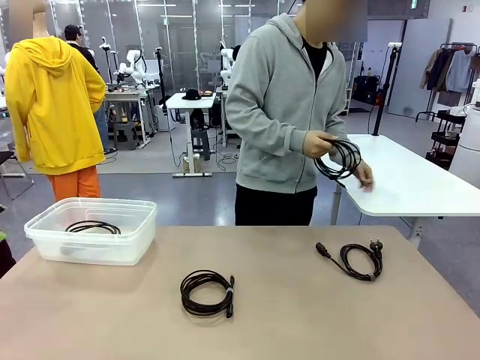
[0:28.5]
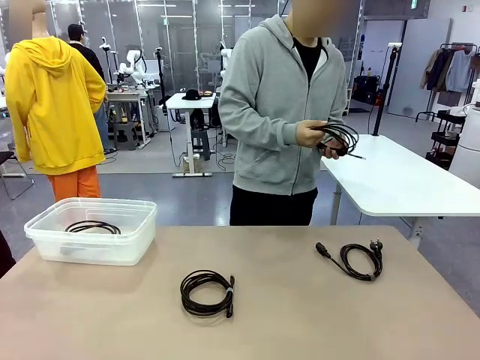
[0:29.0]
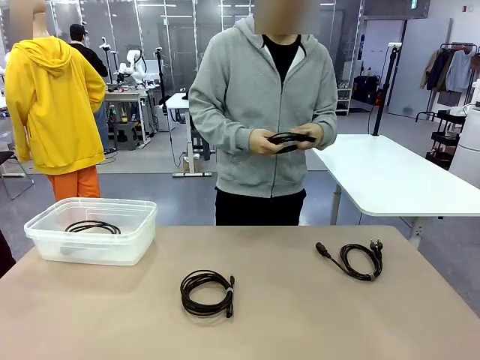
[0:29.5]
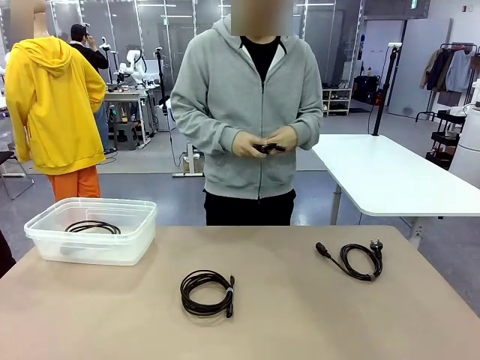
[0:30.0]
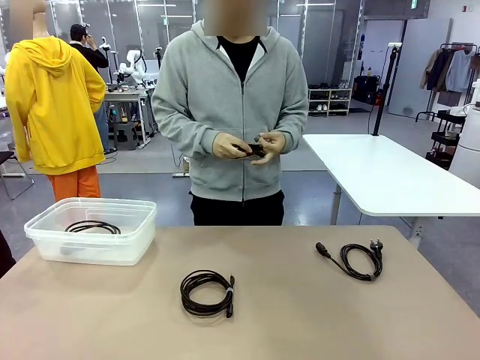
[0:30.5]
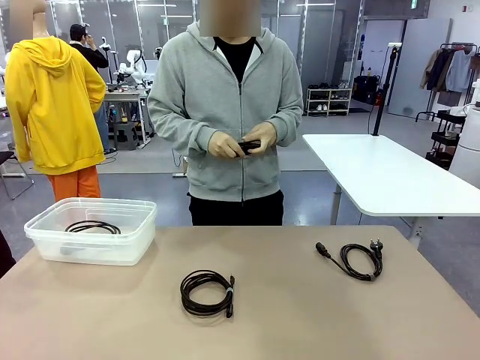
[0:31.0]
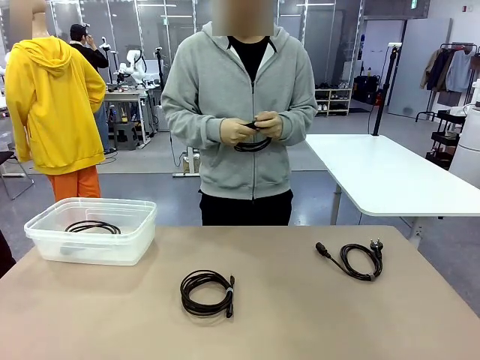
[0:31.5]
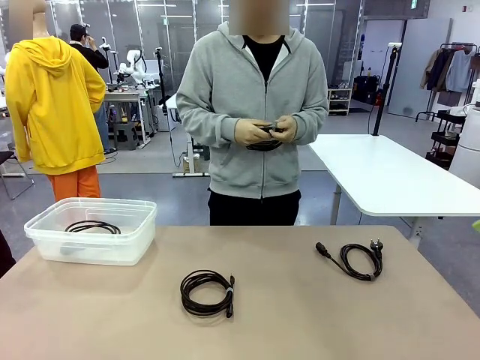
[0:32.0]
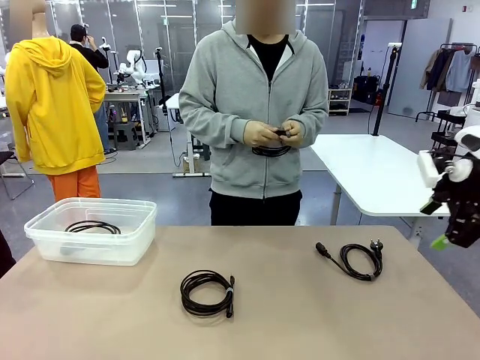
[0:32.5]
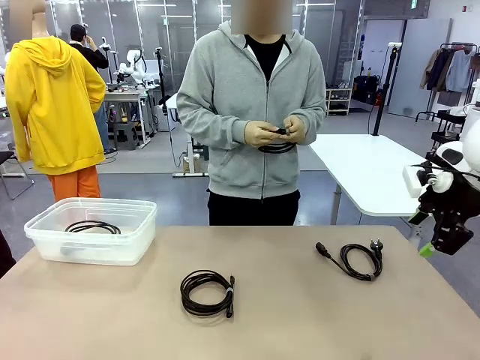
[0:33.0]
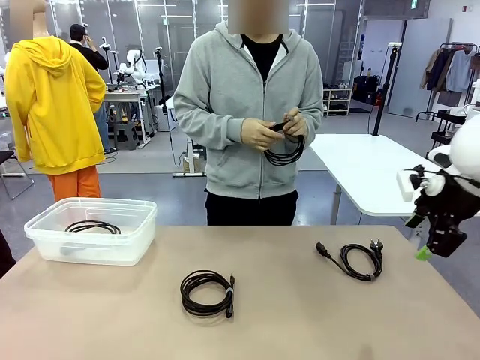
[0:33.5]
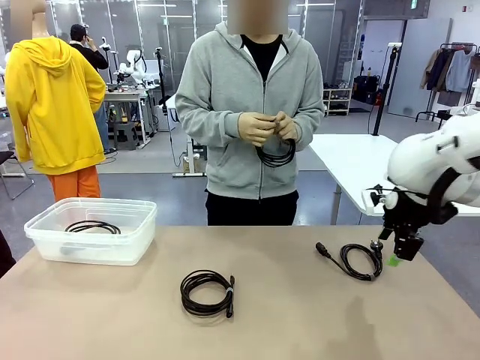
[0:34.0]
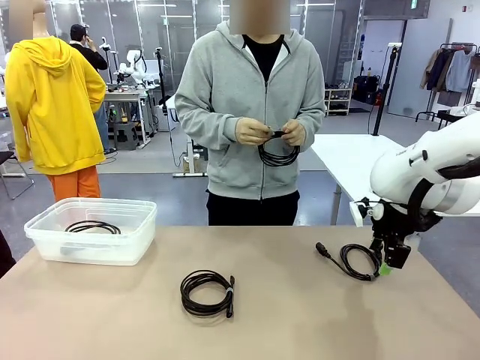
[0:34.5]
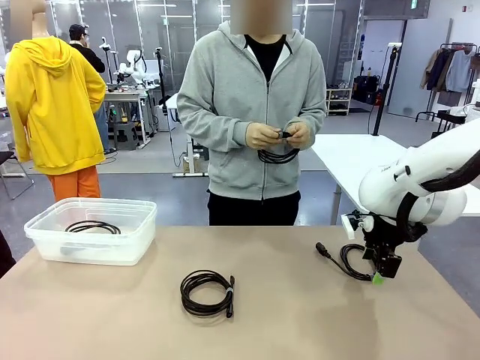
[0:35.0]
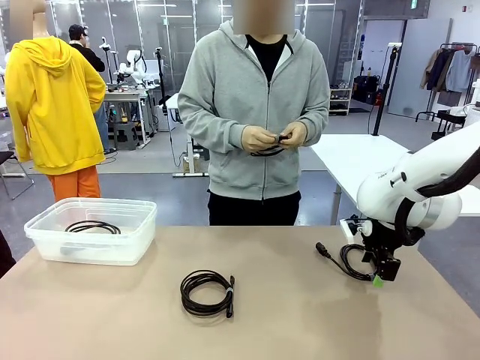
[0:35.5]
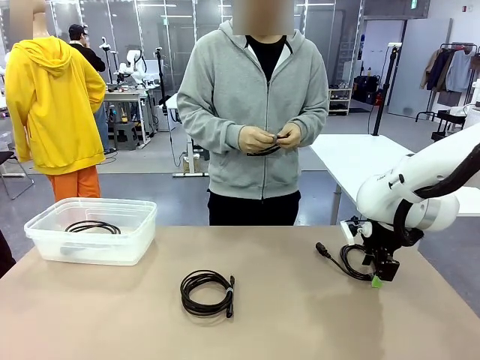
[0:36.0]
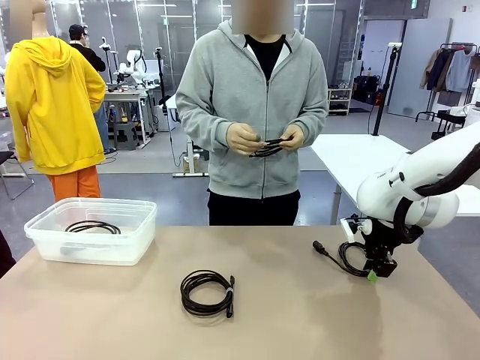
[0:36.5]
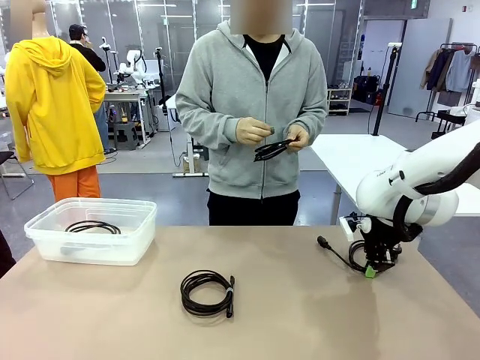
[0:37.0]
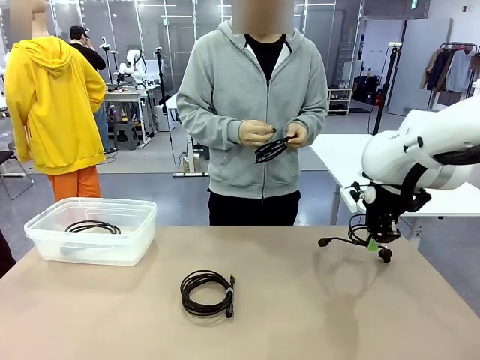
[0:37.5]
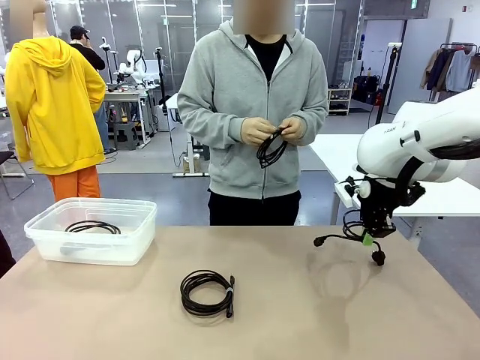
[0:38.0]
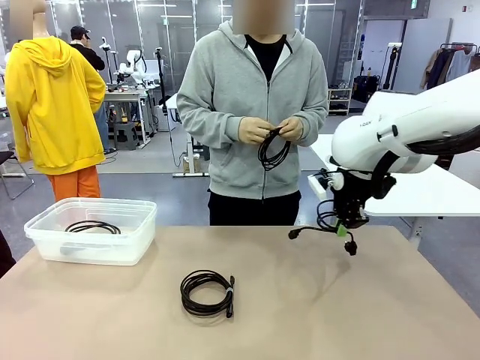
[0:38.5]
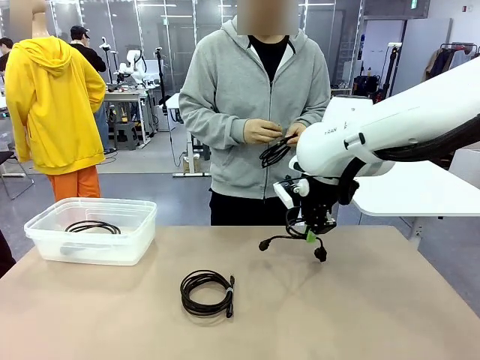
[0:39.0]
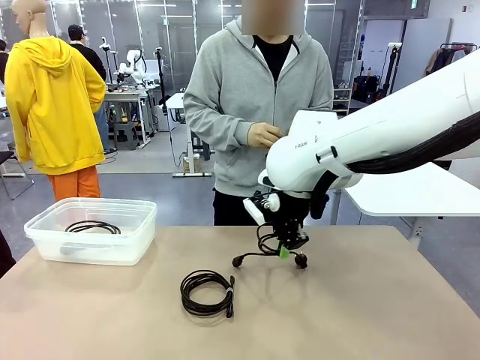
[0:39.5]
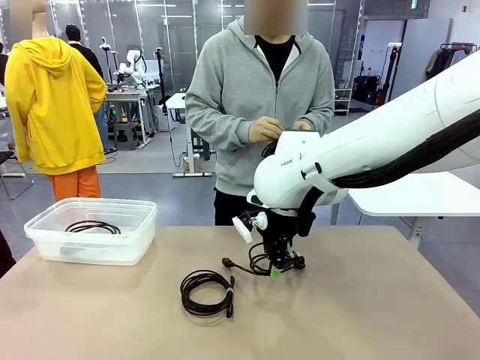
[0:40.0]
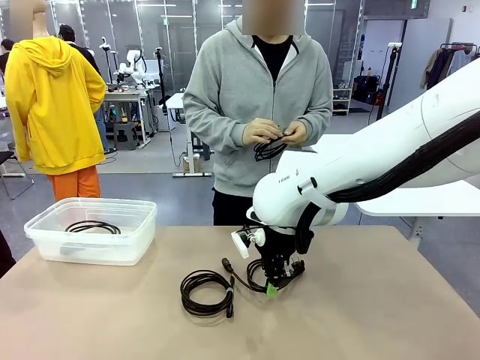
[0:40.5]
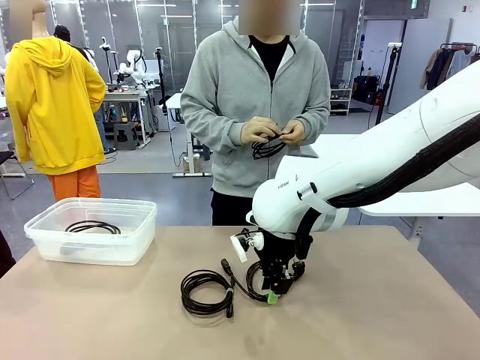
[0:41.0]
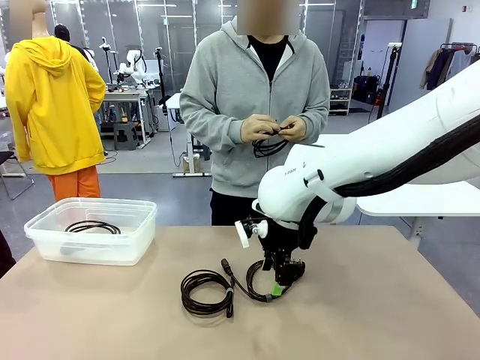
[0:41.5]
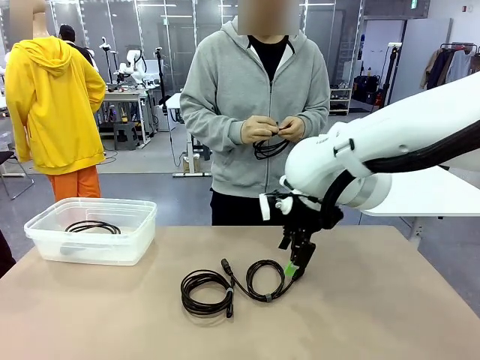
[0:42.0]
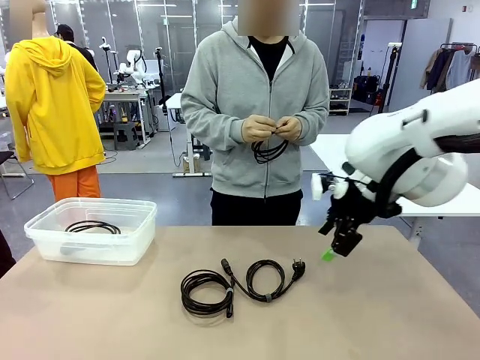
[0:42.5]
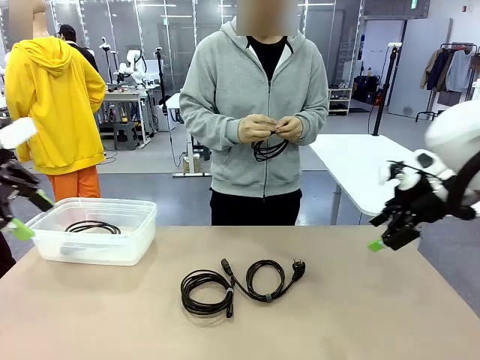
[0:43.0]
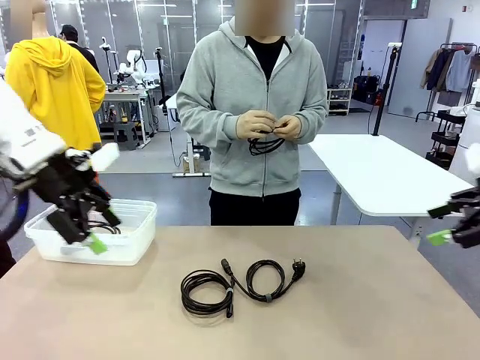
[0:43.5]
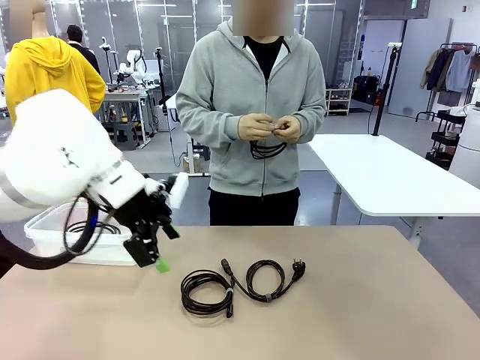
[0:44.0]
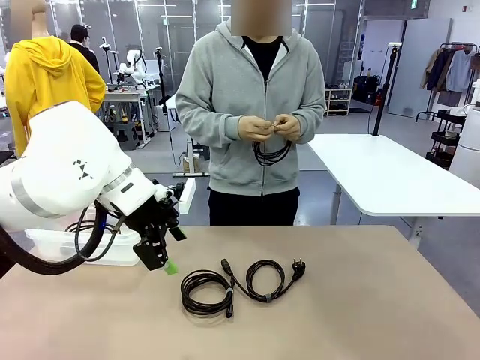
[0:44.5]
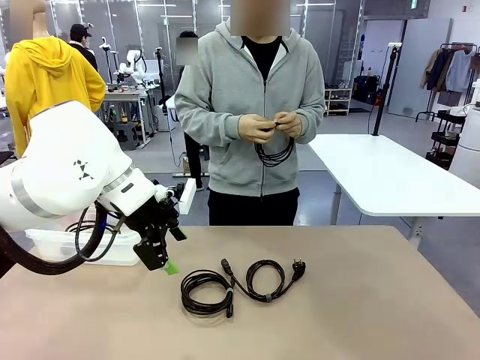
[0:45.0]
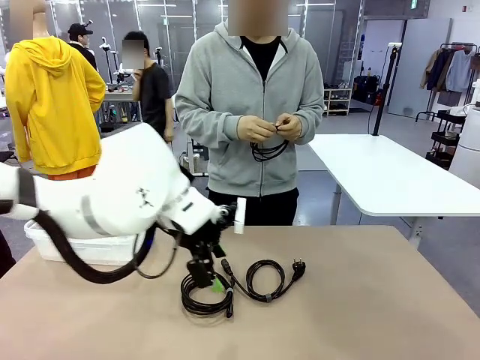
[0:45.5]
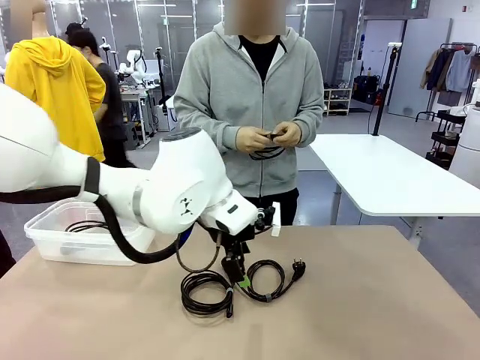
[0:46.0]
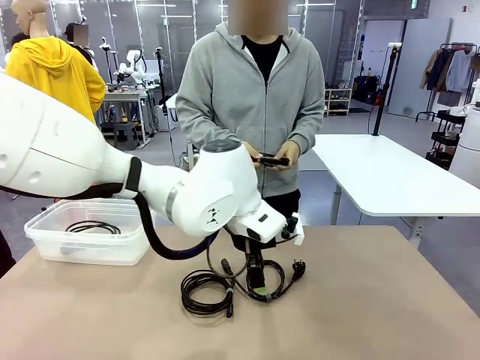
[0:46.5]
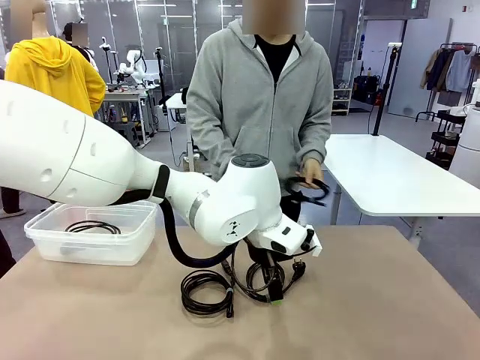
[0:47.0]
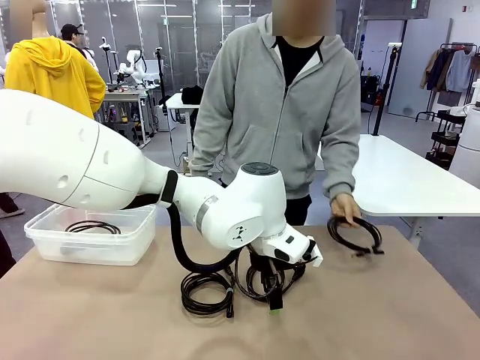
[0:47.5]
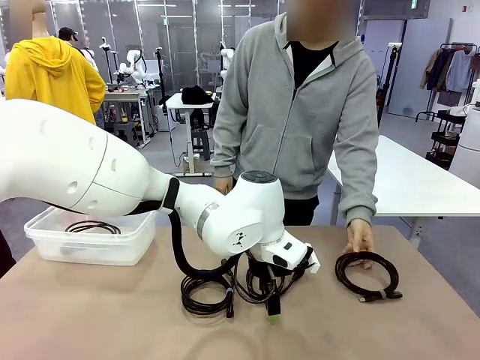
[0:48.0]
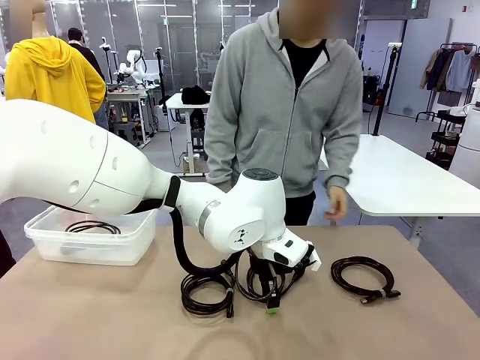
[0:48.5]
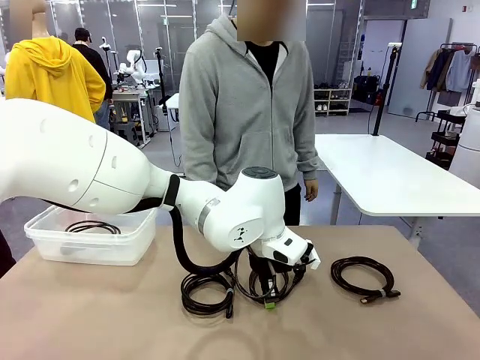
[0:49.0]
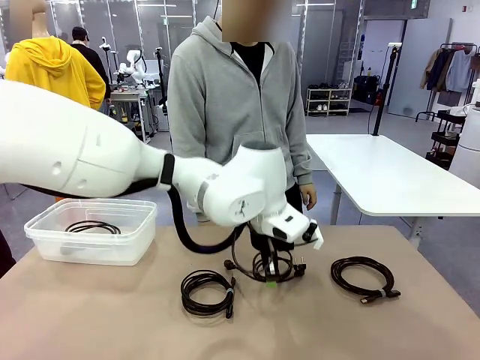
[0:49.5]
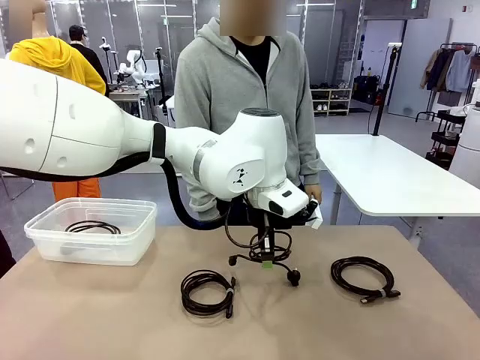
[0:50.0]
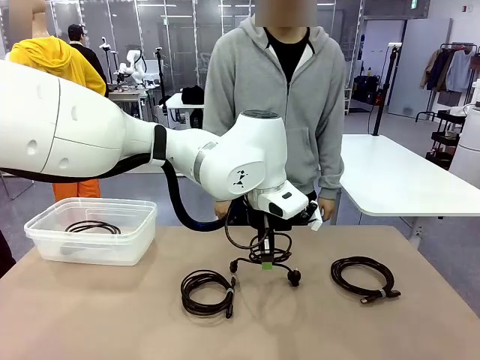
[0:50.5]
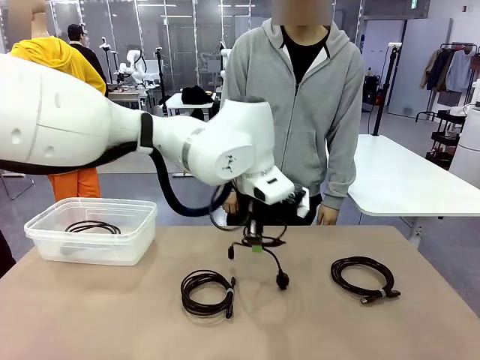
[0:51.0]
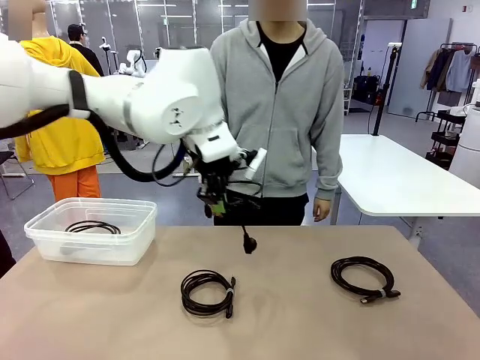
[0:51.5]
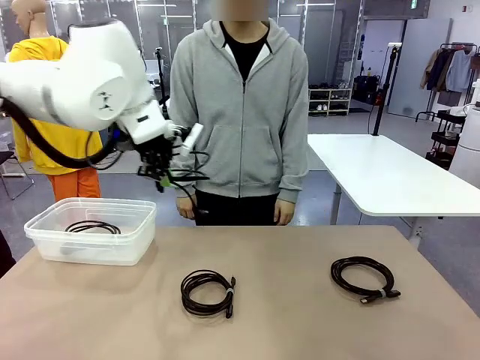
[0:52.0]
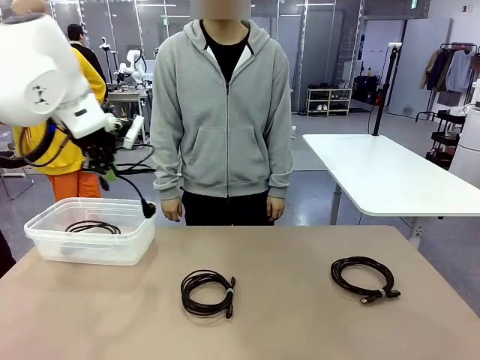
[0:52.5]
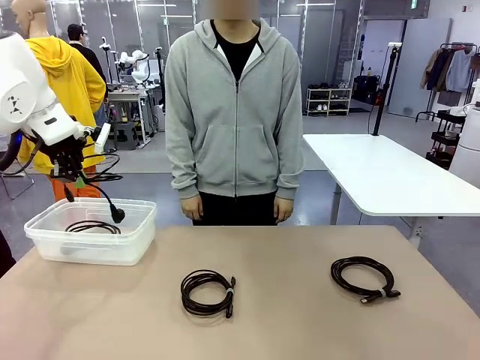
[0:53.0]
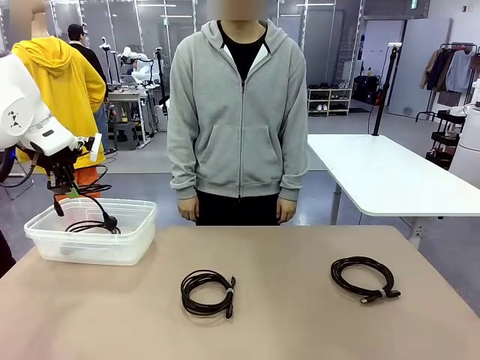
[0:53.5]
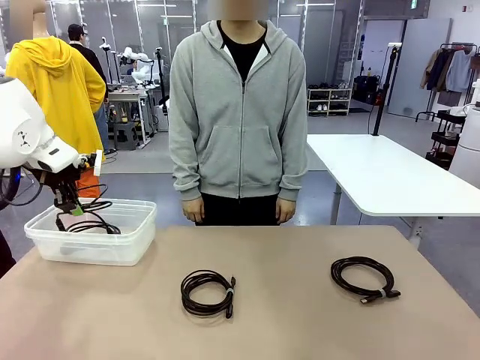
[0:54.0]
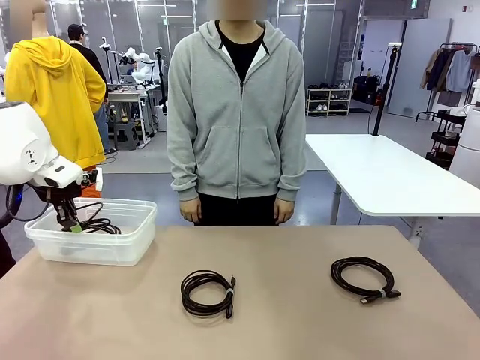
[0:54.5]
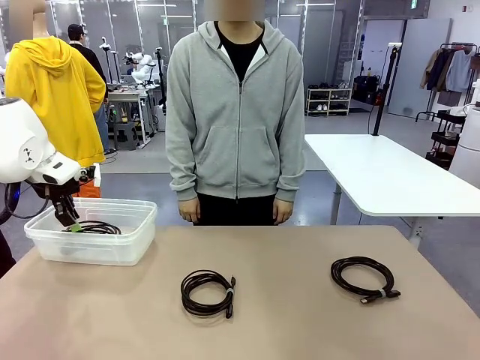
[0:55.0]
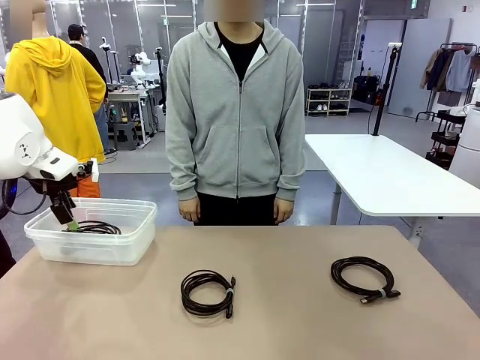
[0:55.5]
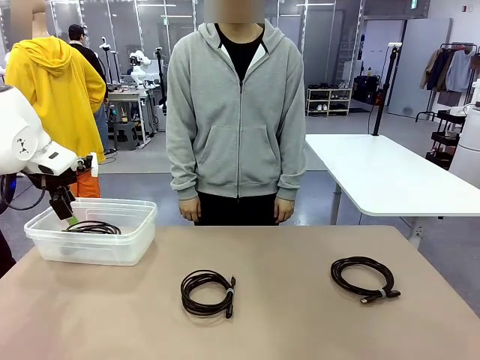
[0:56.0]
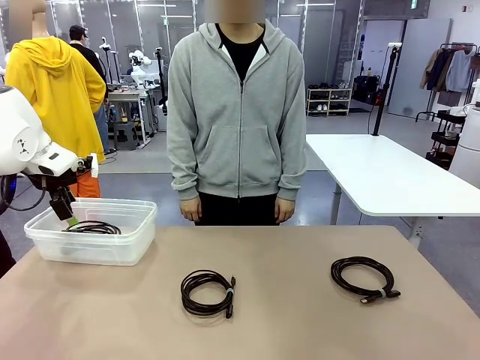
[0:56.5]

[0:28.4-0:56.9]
Task: Organize and store the cables.
Robot: Place the Power Cable into the Organizing box.
